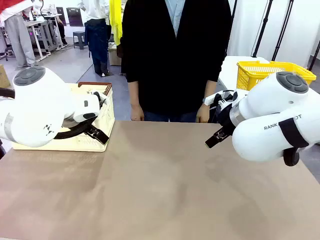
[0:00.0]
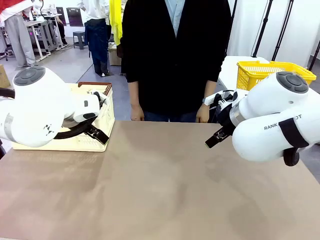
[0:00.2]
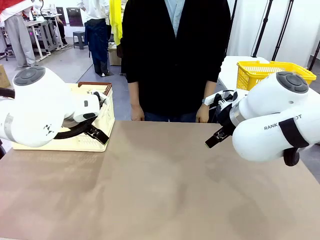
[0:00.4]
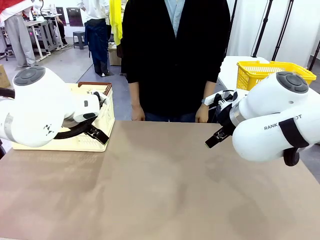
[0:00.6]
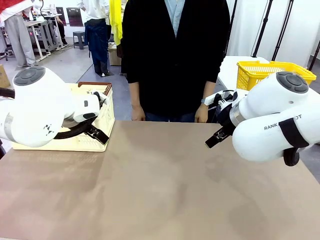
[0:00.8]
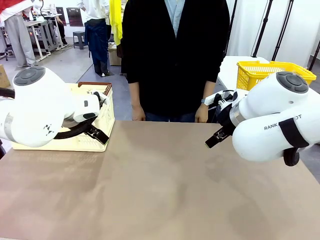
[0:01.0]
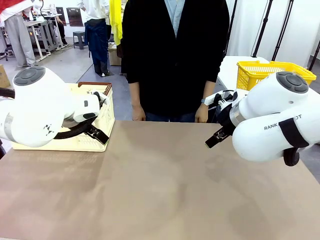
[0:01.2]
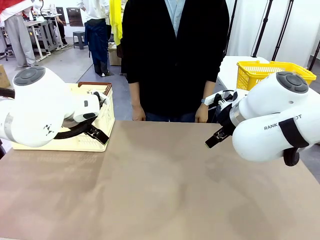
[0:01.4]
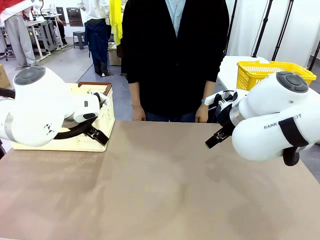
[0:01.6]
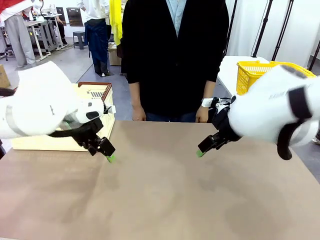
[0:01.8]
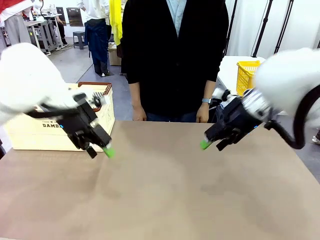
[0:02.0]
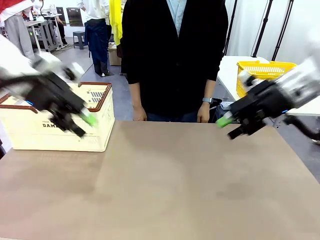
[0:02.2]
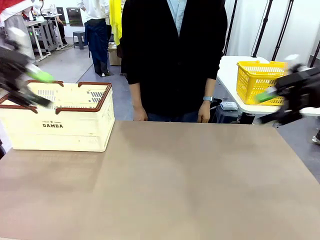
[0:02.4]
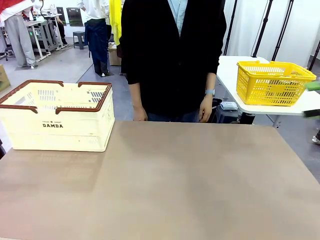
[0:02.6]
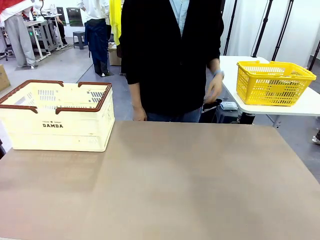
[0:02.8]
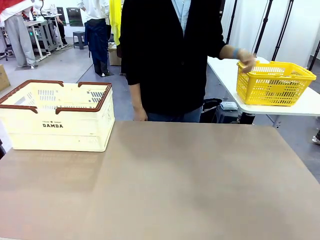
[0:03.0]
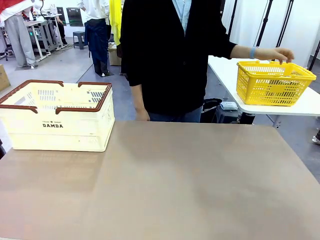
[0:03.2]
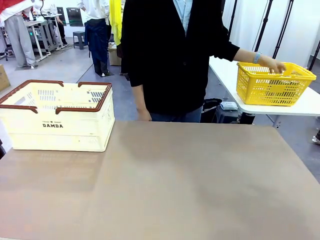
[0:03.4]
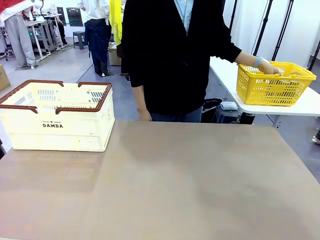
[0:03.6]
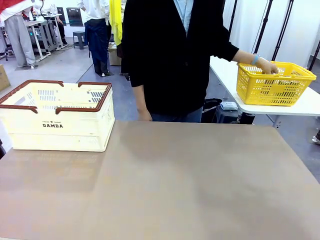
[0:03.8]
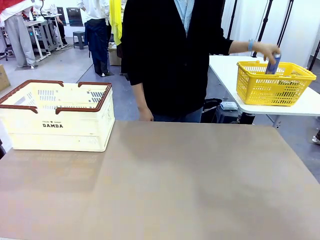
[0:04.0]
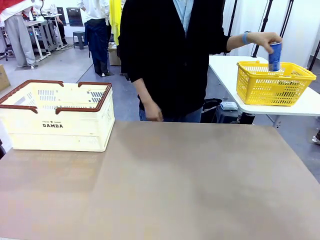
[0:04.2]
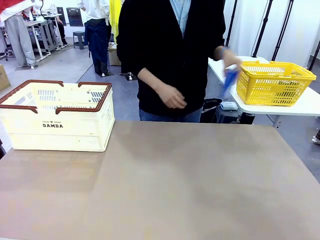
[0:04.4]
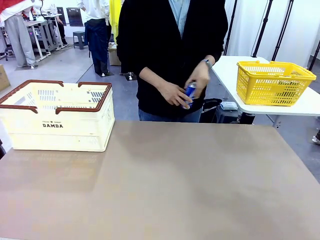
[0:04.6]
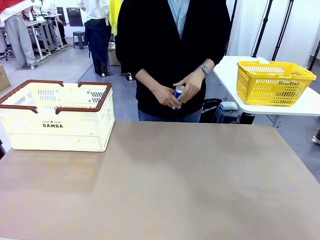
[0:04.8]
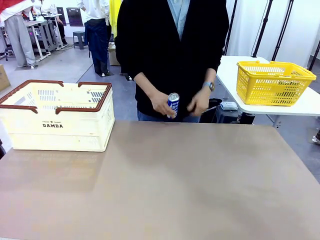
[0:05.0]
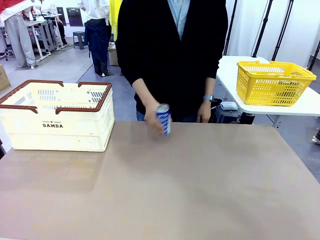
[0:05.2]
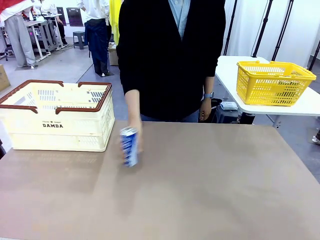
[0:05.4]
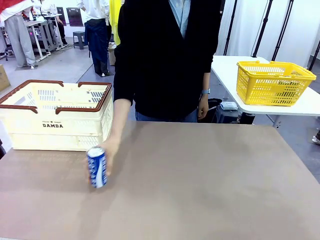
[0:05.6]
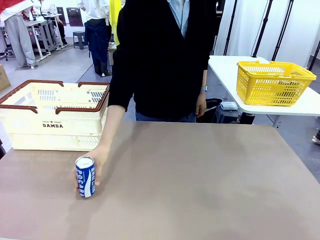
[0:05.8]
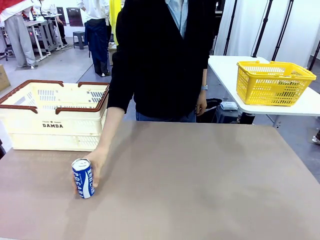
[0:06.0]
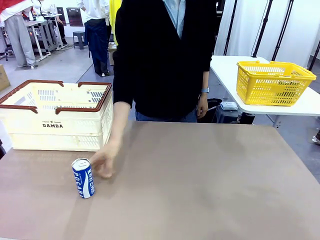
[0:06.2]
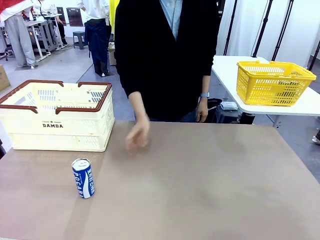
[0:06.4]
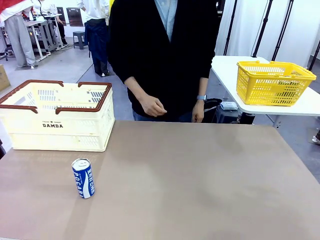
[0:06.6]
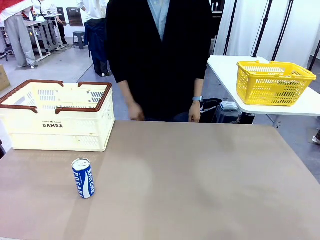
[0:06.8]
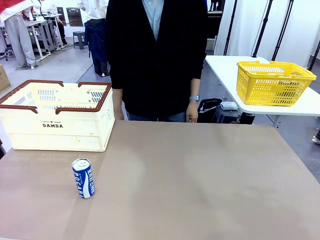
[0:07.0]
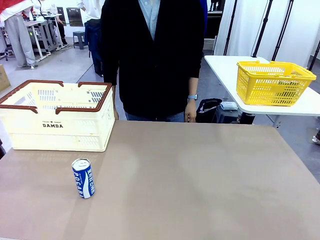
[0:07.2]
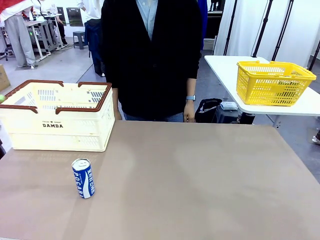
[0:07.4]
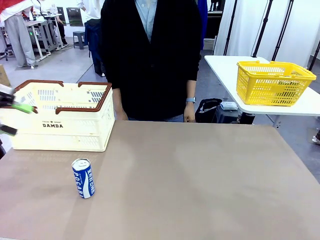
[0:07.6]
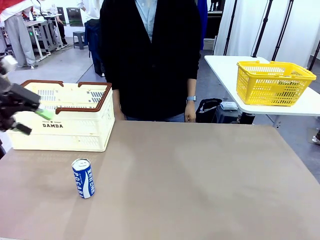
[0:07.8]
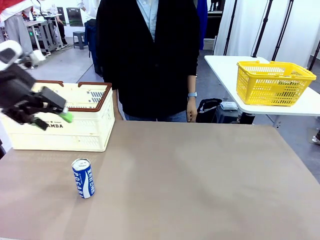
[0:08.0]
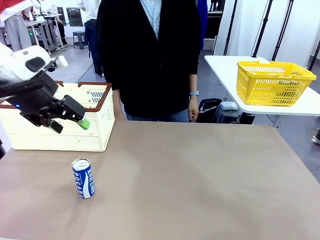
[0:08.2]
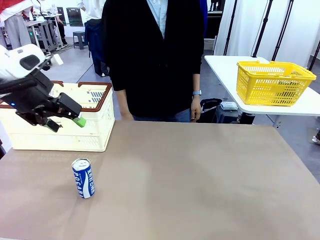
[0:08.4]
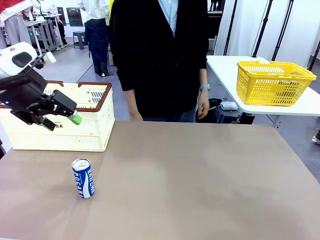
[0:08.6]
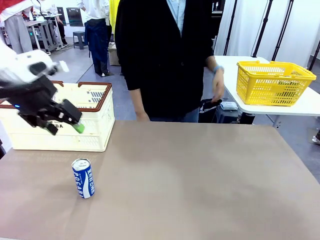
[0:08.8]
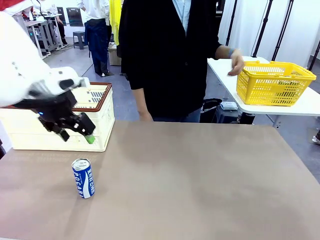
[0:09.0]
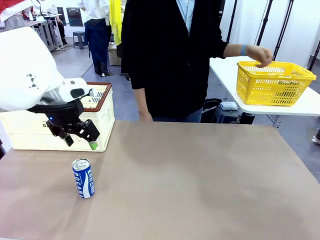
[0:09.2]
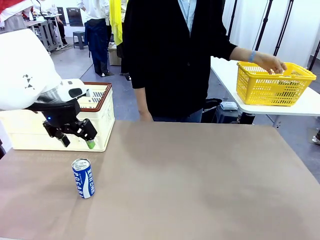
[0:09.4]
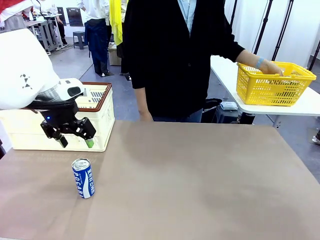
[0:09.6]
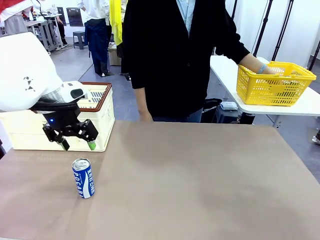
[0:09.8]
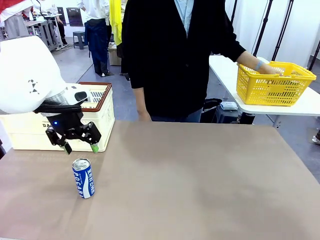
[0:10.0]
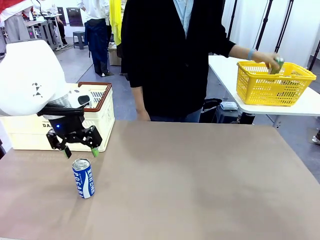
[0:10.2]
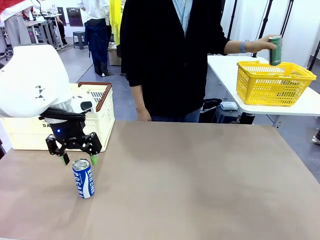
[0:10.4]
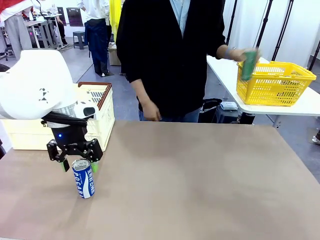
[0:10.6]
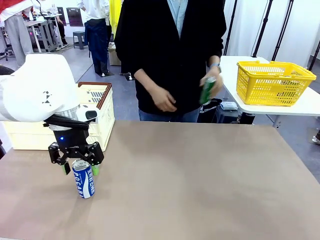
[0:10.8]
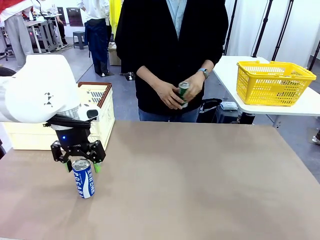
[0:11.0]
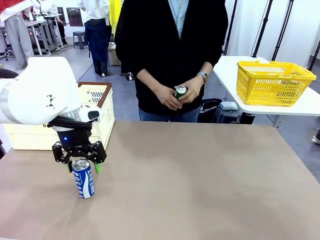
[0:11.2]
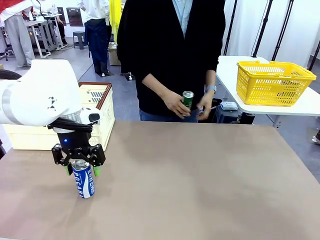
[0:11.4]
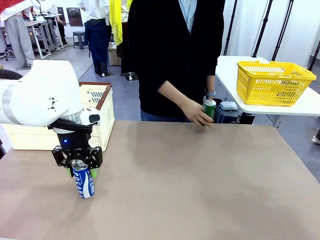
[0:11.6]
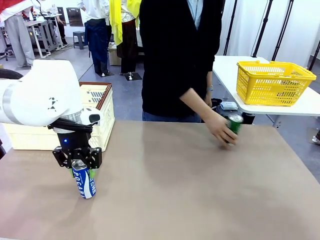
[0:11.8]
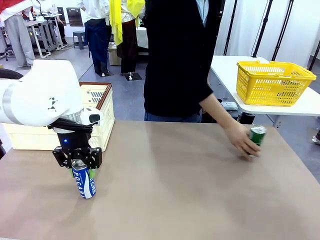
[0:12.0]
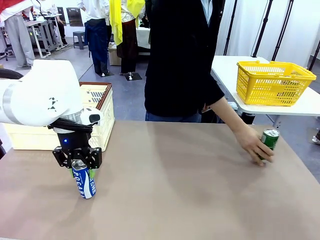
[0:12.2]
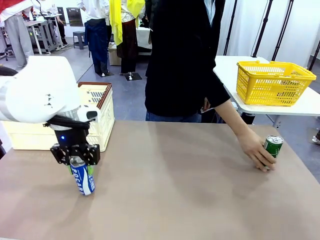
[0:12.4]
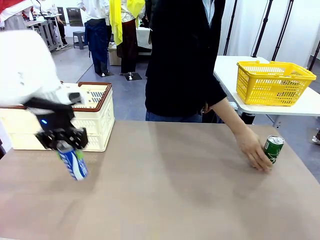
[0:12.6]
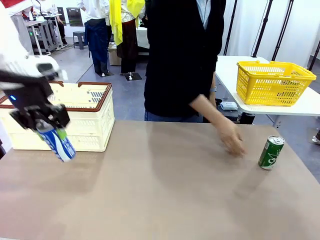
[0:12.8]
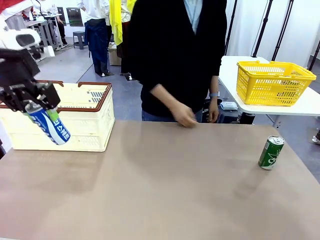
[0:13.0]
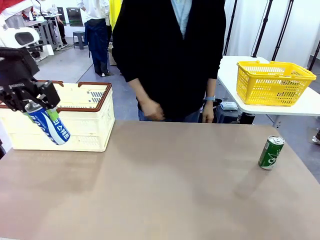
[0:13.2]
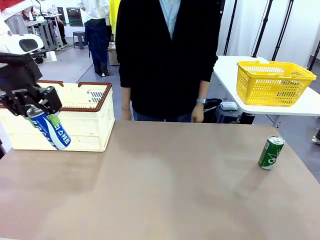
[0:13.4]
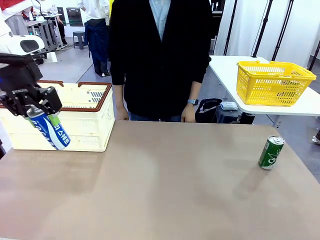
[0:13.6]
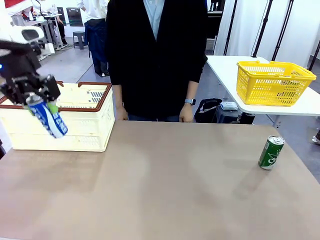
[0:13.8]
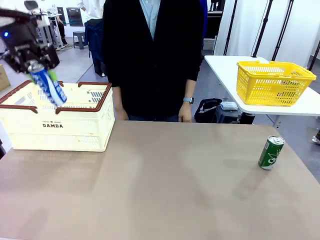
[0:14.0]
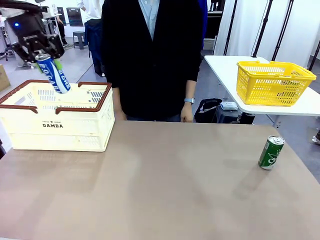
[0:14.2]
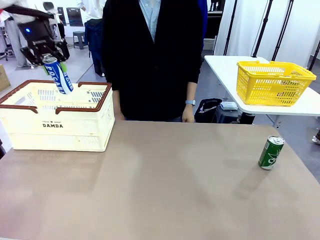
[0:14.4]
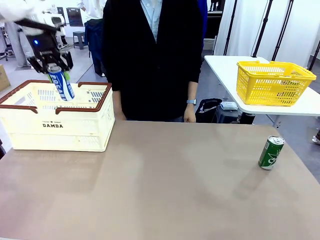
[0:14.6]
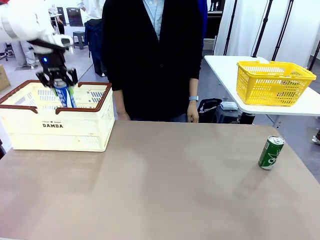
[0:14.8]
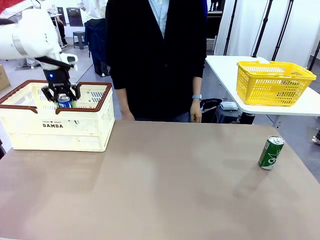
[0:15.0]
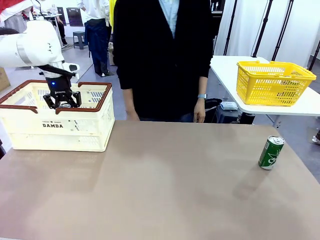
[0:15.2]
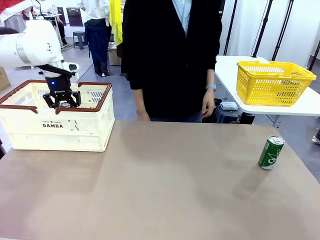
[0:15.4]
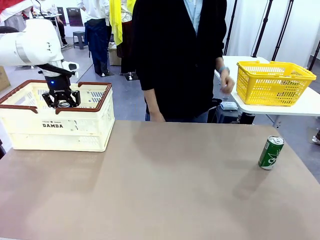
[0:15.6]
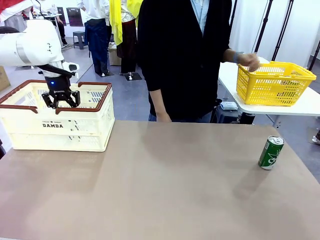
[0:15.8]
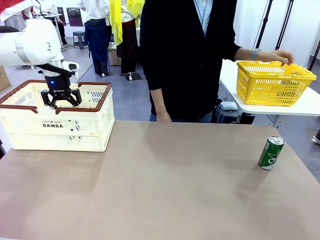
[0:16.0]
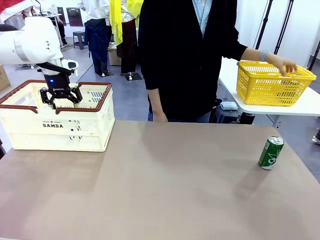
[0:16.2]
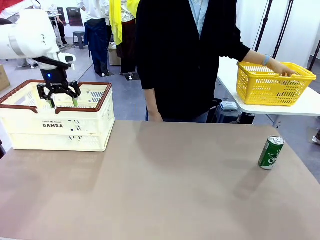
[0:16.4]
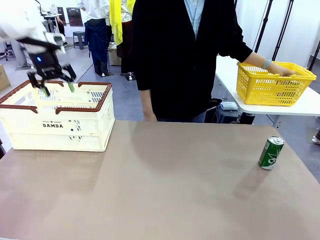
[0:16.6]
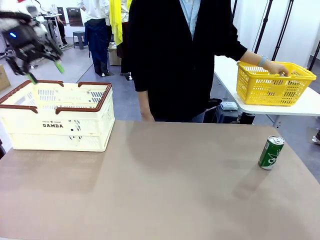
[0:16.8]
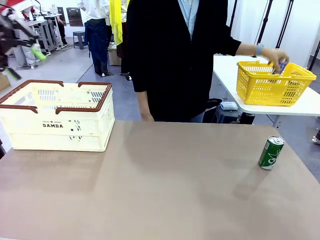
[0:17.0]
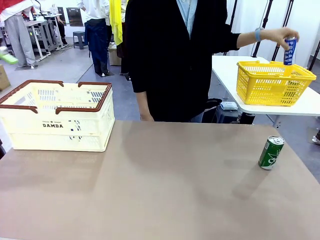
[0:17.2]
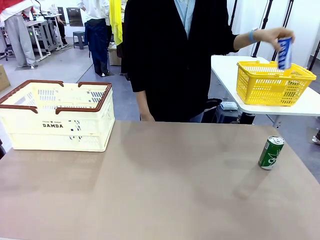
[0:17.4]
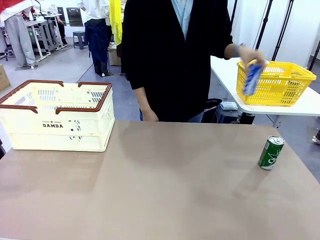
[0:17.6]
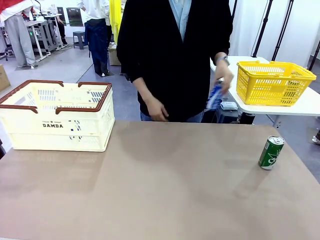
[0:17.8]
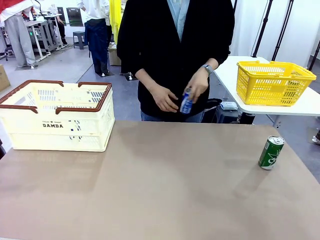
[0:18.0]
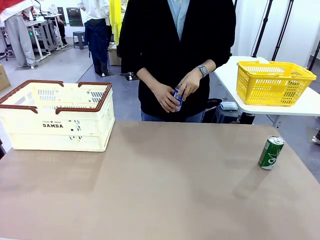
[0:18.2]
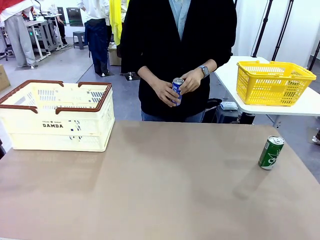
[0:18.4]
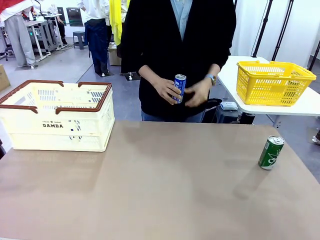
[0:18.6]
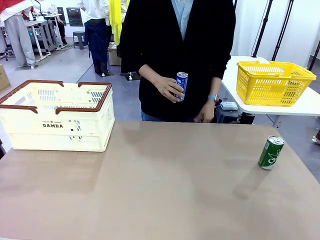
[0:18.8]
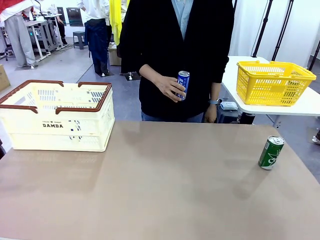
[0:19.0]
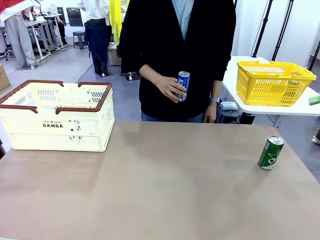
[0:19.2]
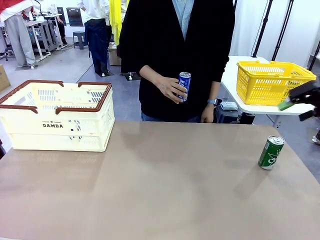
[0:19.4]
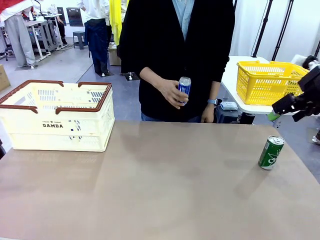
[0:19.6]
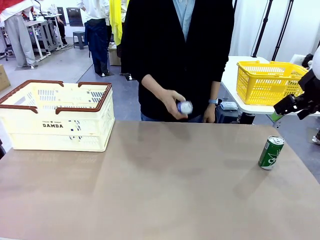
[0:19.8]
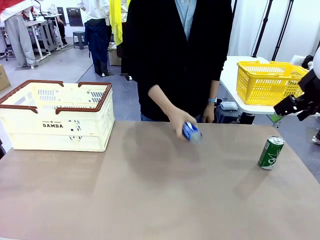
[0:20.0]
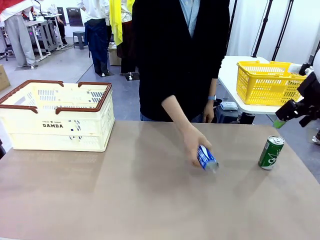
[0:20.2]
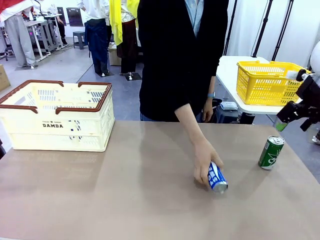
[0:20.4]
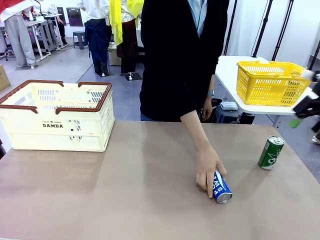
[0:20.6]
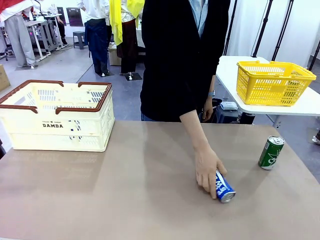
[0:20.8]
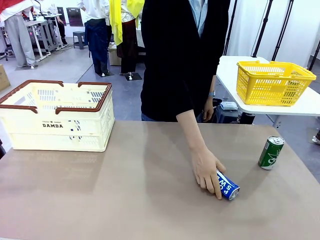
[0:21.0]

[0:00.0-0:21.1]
Task: Place the drinks into the Shopping basket.
Robot: Pick up one drink and place it into the Shopping basket.
